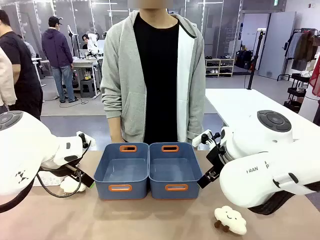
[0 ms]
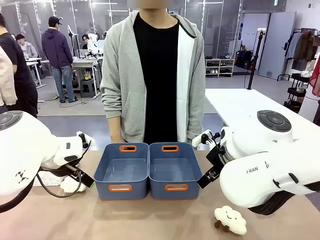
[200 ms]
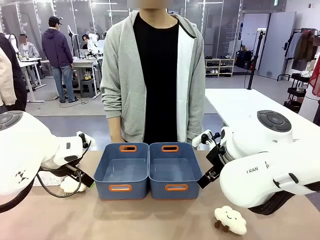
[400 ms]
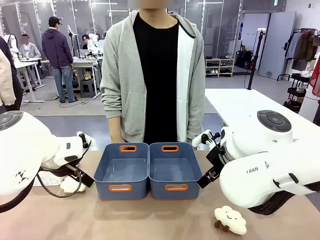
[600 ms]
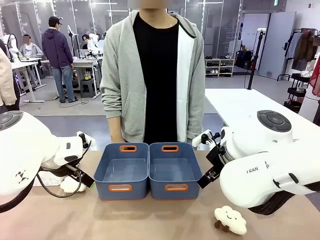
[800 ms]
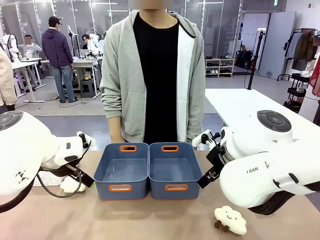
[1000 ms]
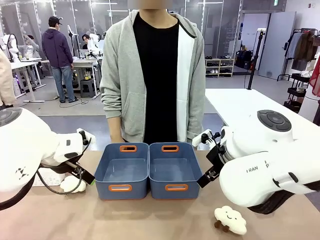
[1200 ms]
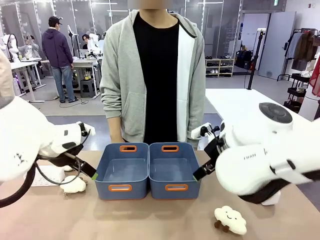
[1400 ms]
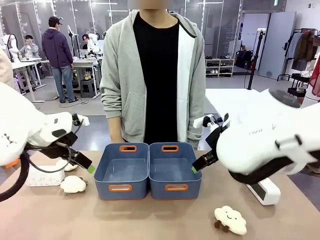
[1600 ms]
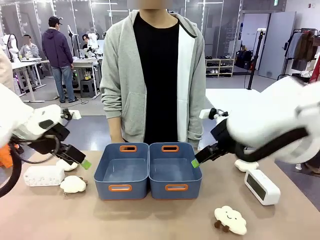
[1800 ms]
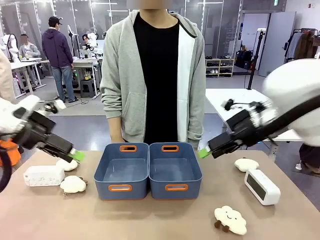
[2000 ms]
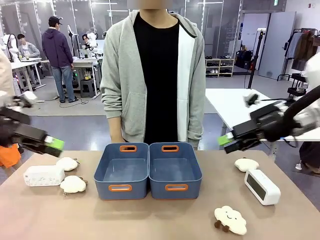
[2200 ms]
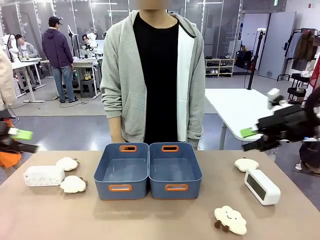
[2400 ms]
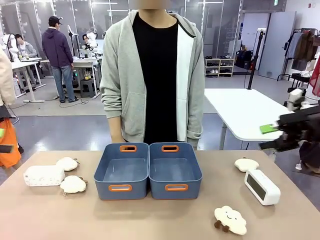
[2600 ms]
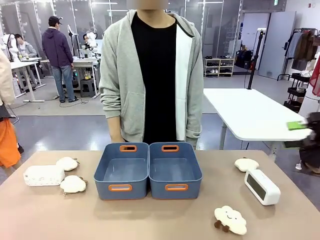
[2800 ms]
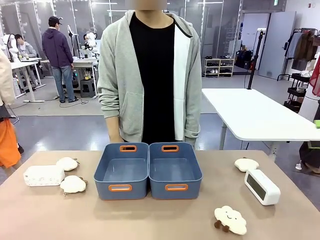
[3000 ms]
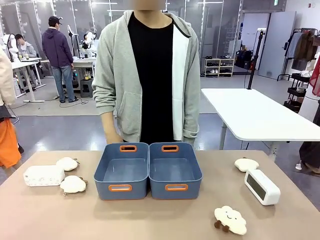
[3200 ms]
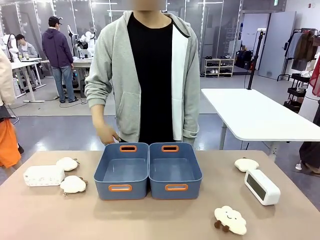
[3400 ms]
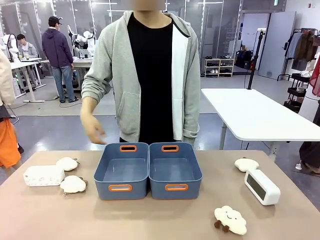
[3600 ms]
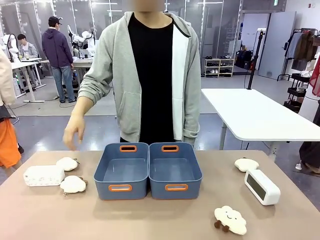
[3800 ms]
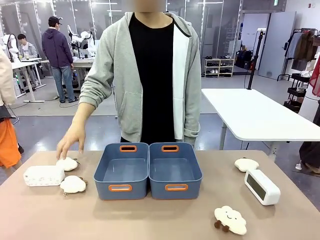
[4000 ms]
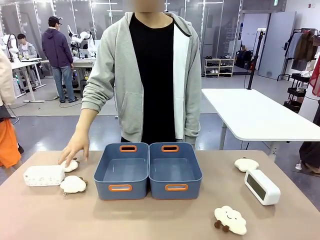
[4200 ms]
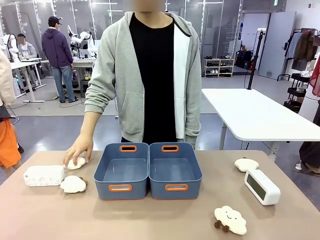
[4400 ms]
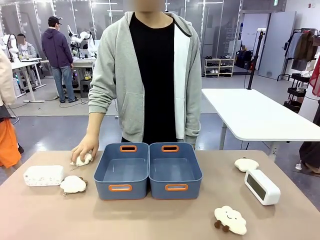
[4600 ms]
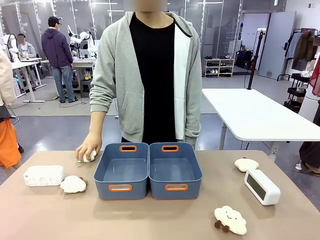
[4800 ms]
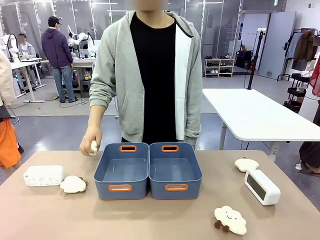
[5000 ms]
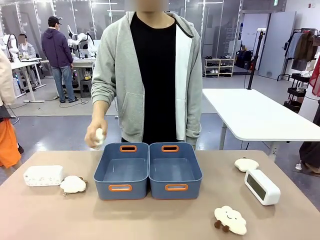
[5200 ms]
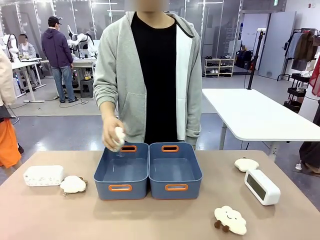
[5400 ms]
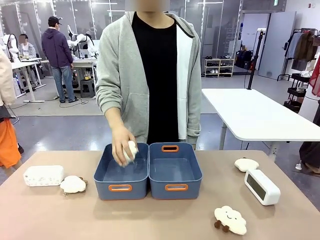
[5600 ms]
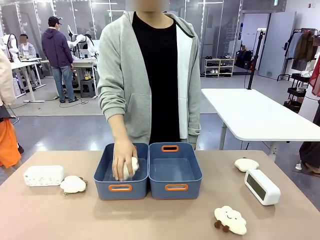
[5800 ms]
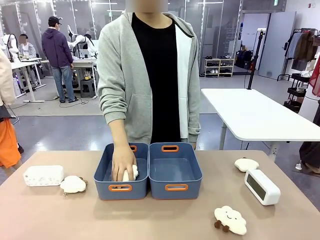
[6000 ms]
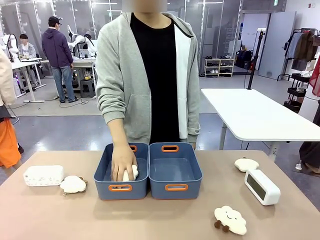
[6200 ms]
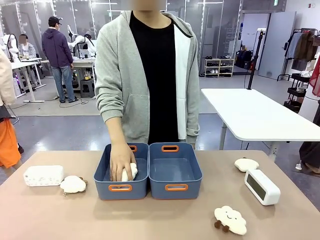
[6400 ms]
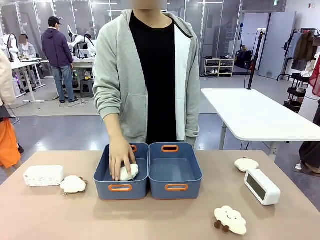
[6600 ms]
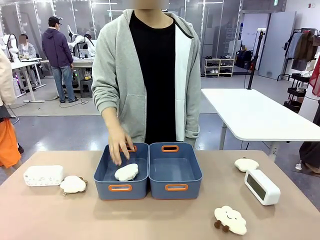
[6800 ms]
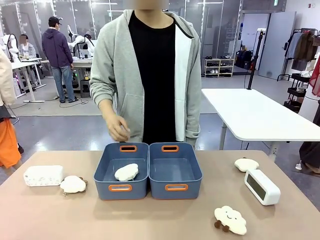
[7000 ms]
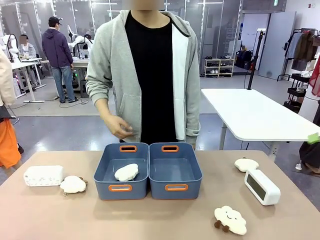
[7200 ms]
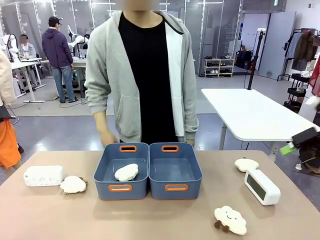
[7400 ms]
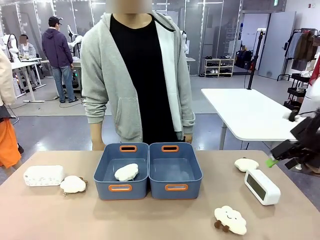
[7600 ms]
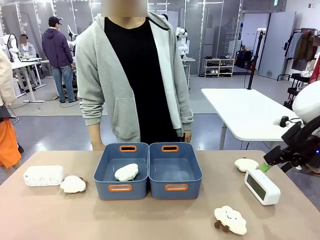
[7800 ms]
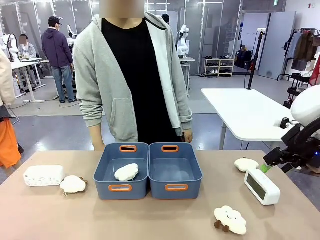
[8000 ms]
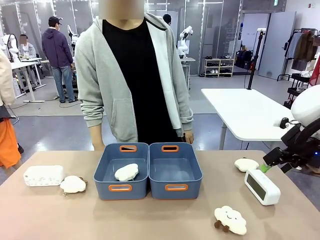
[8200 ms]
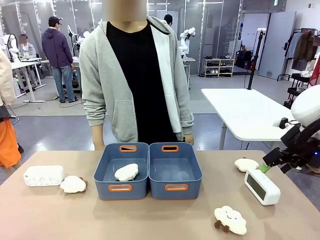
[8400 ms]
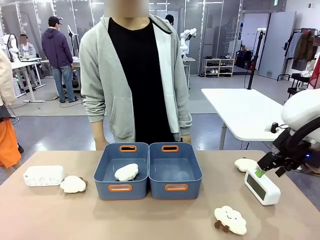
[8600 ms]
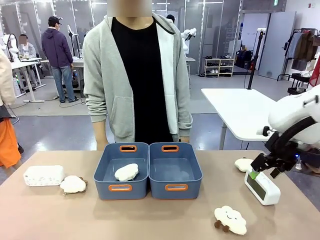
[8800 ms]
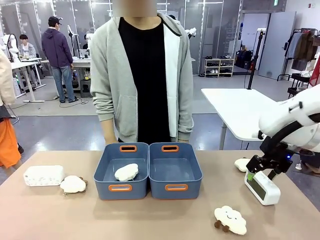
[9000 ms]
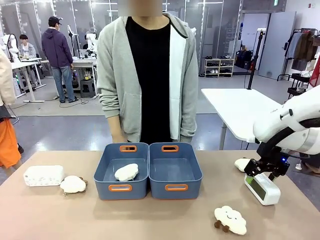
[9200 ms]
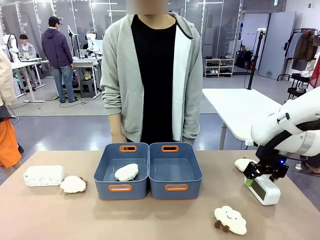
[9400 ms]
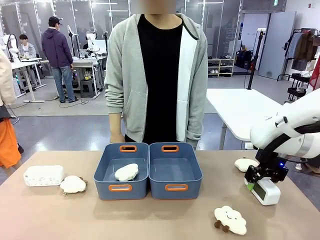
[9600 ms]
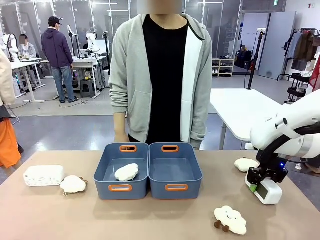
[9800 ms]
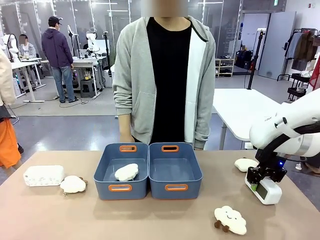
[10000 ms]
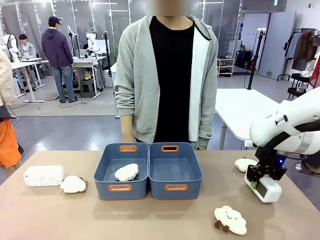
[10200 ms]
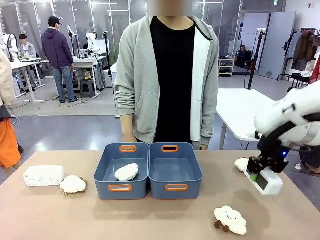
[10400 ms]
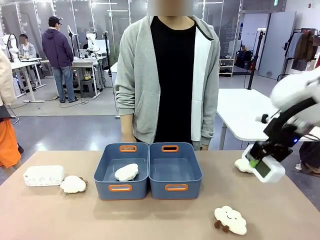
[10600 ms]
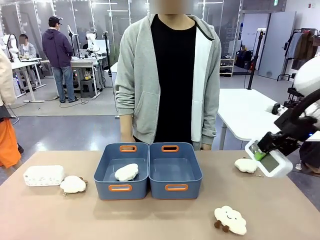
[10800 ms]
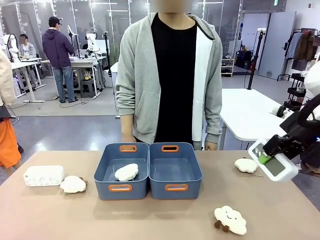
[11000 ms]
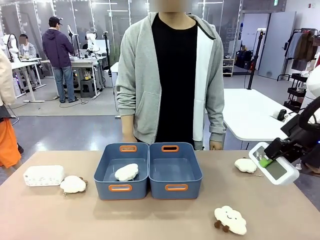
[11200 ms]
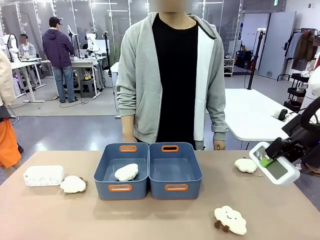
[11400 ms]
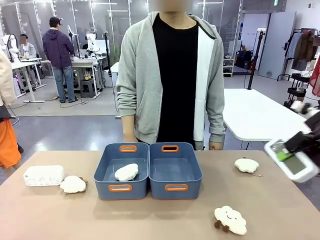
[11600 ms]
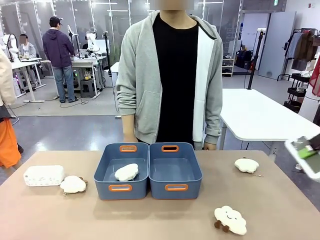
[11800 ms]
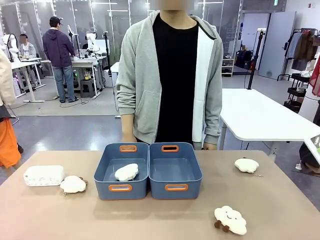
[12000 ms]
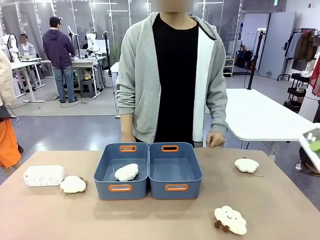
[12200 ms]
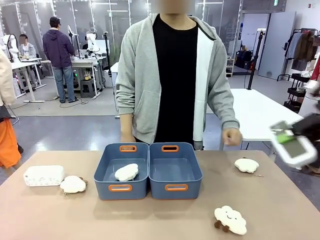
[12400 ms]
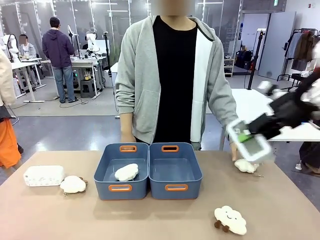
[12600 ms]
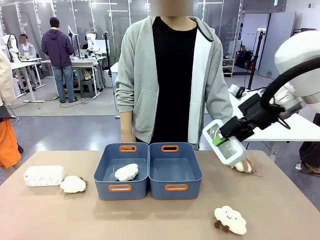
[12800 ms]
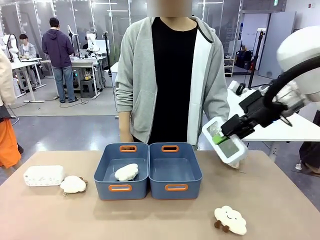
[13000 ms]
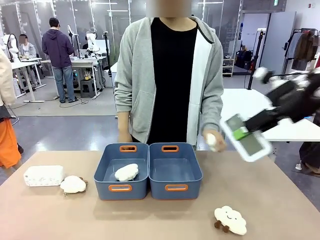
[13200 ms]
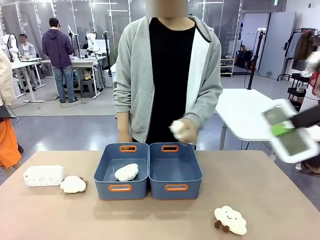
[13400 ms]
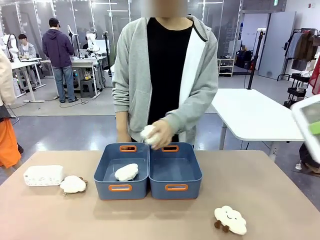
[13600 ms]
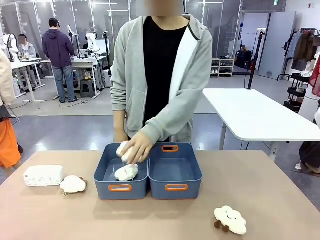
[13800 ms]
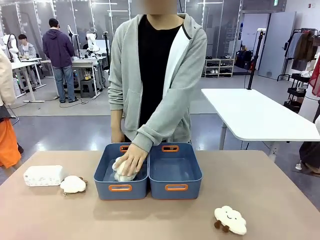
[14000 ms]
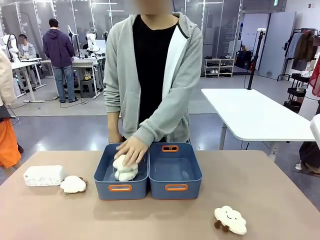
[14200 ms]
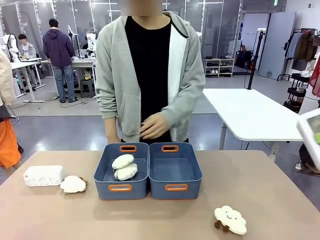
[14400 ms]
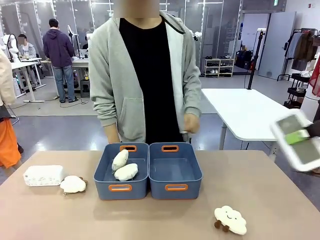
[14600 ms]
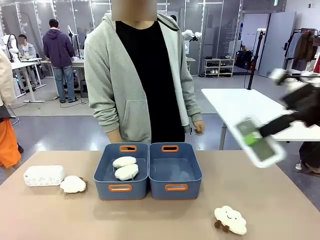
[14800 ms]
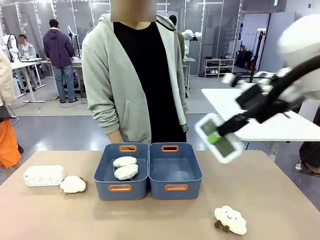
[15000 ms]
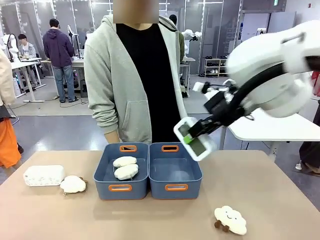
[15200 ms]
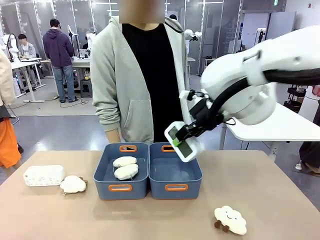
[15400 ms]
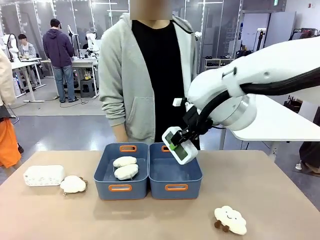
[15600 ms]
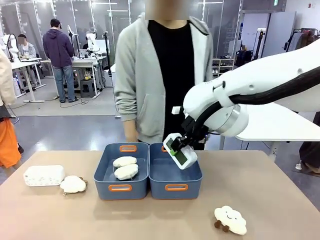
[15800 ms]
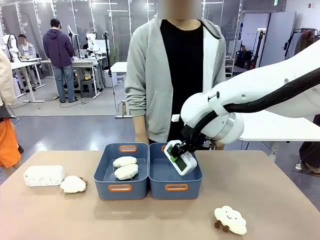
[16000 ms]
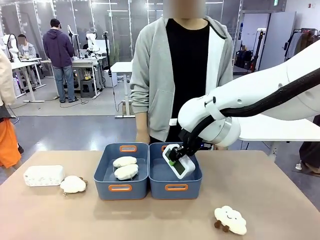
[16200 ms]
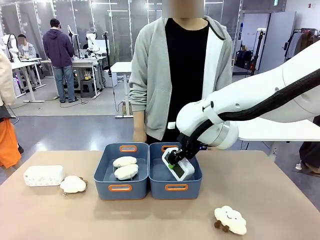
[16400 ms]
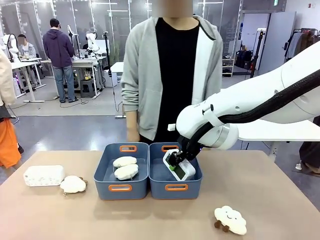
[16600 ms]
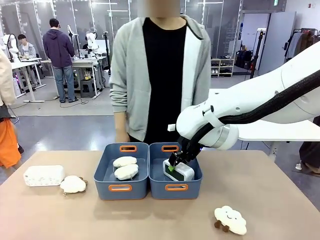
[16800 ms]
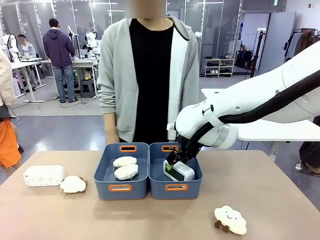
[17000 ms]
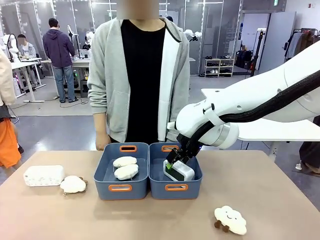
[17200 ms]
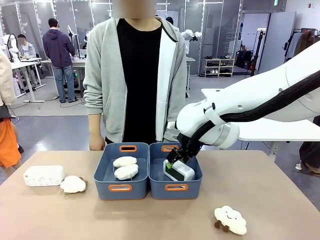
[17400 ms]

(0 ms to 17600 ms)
Task: Sort the digital clocks into the basket.
Robot: Pick up the Digital clock from the table and place it into the empty Plastic storage basket.
Person: Pick up a plush toy from the table and place it in a plastic storage basket.
